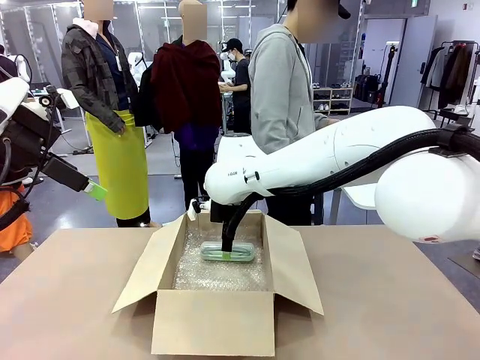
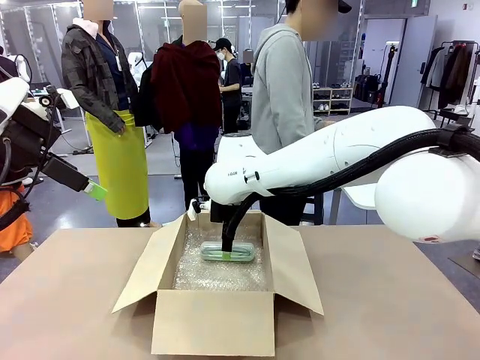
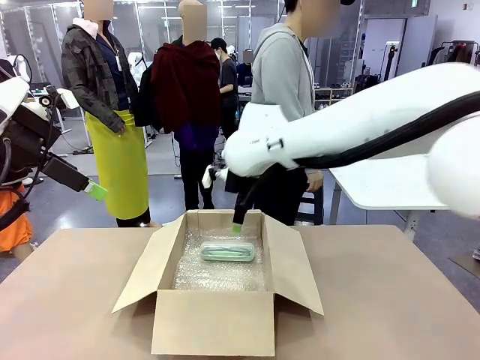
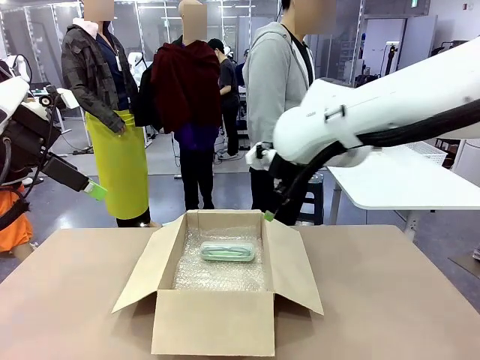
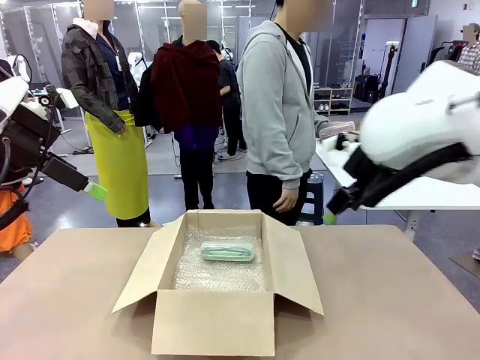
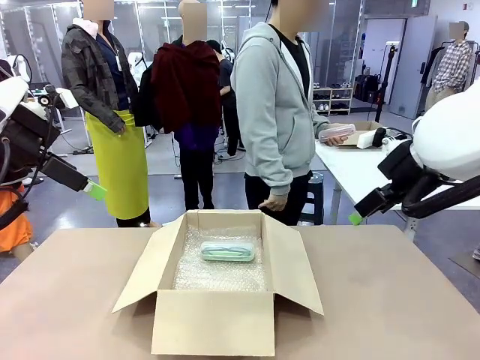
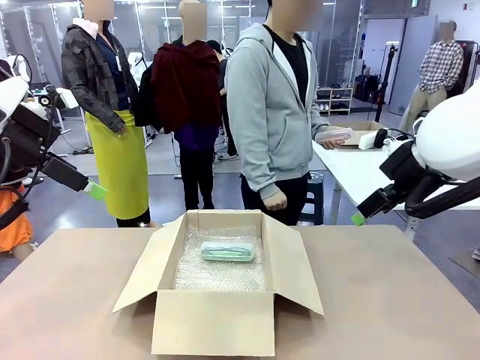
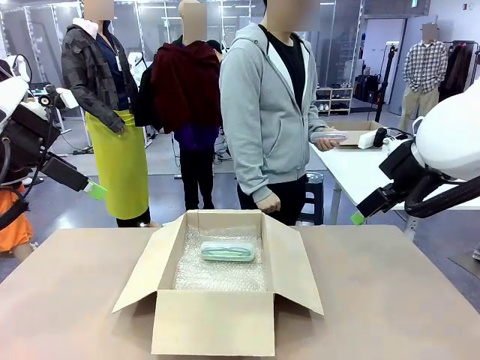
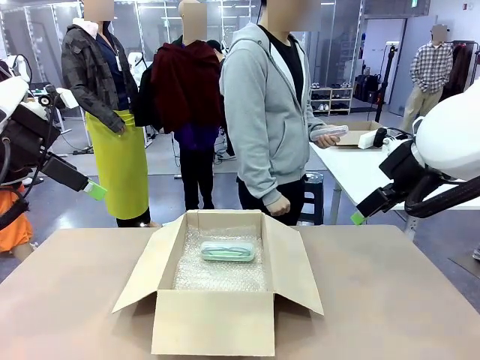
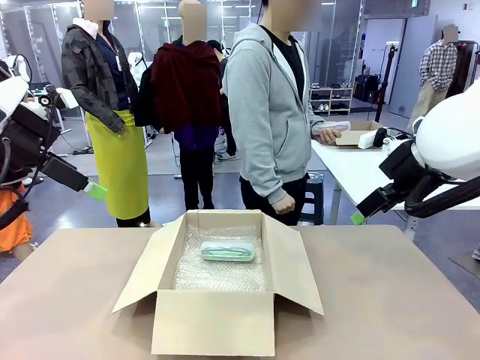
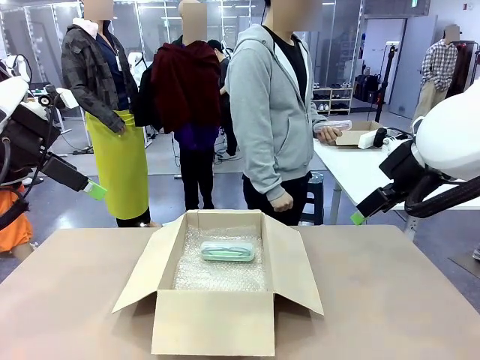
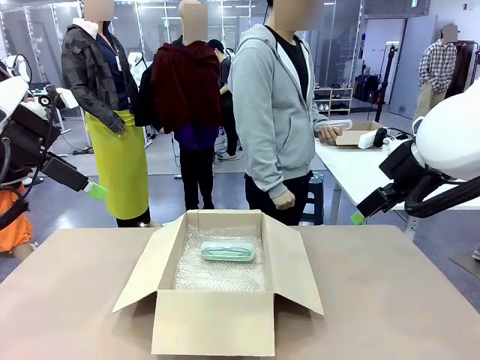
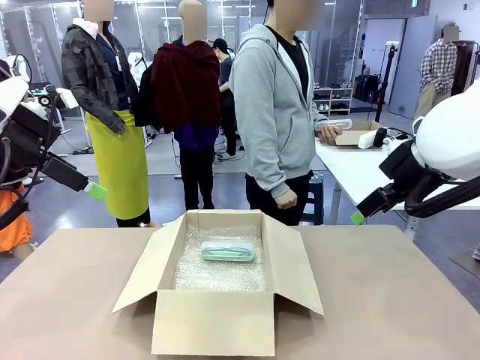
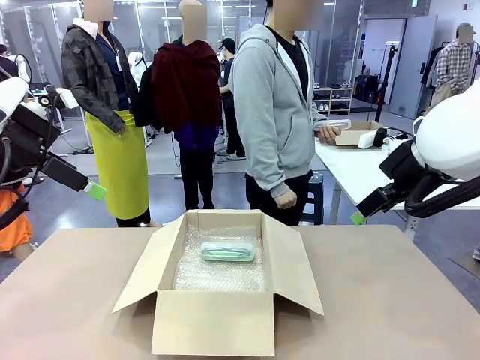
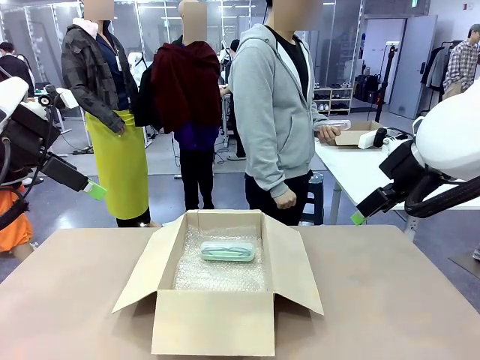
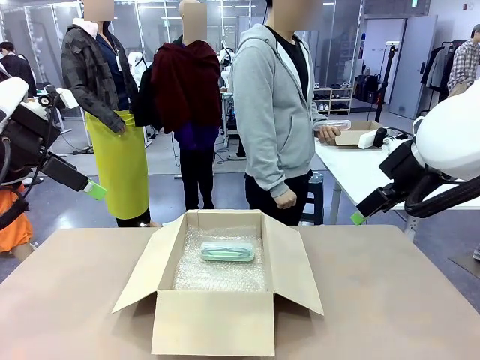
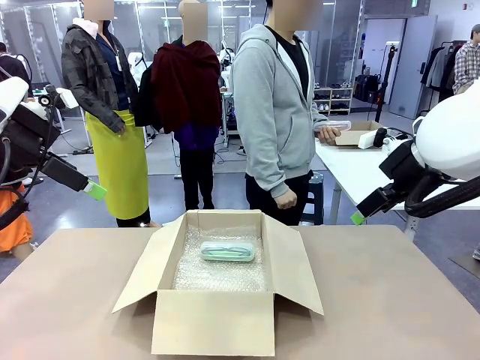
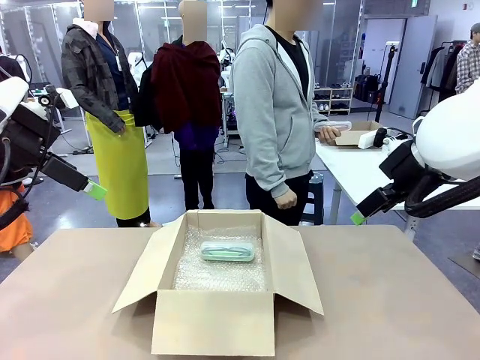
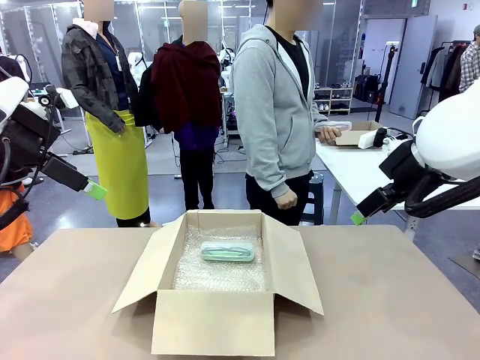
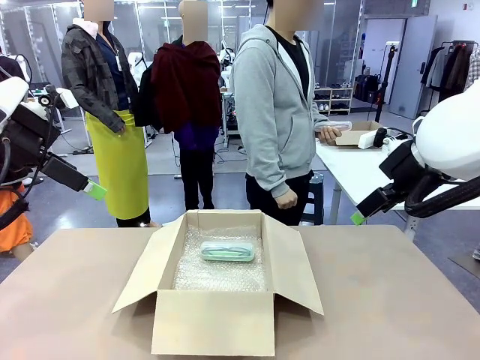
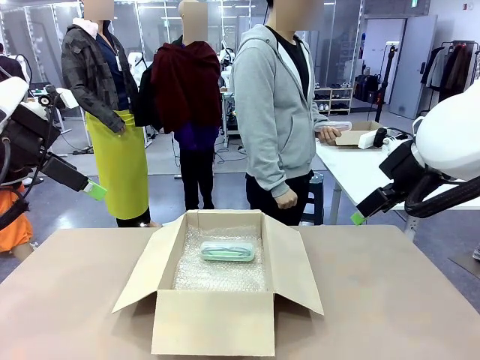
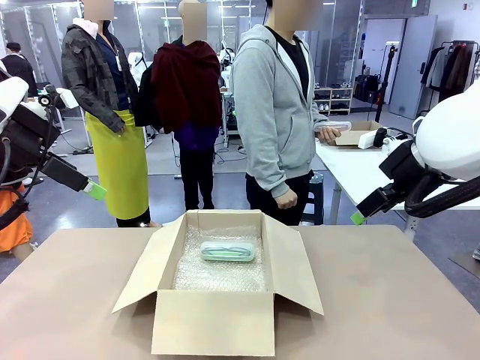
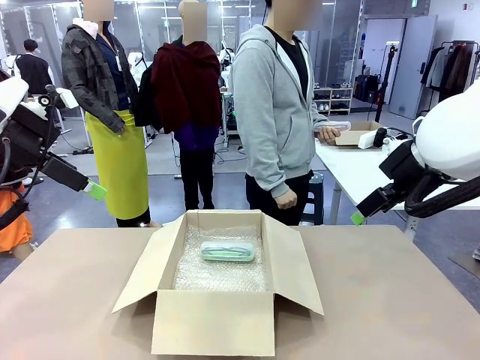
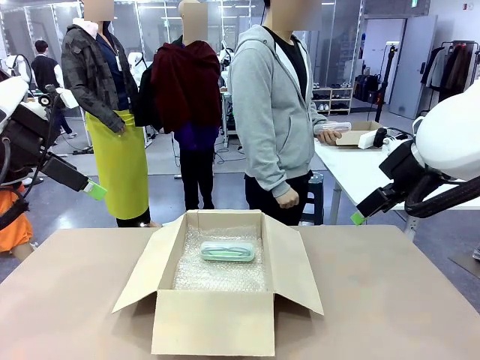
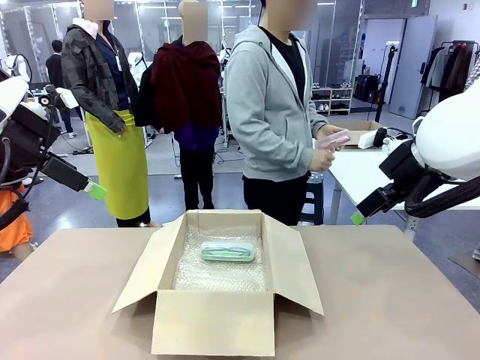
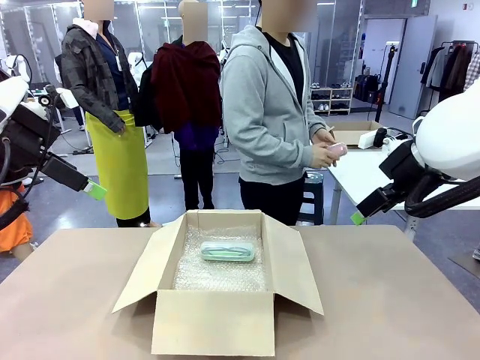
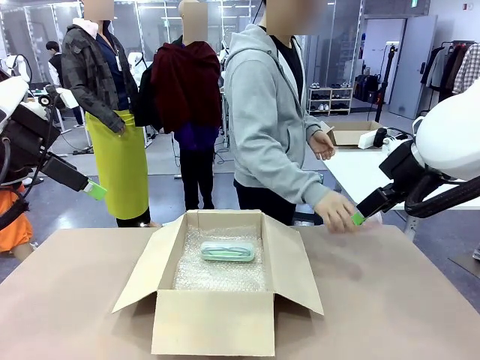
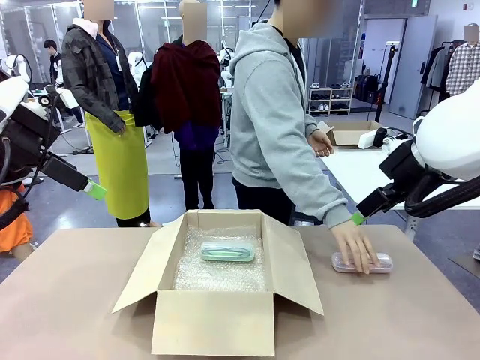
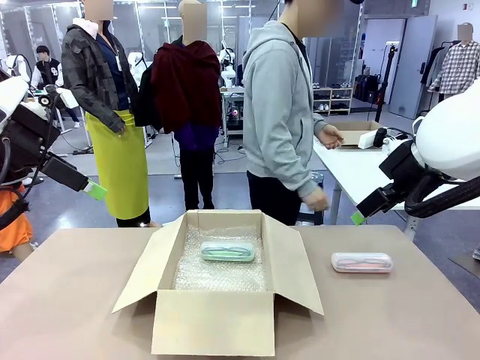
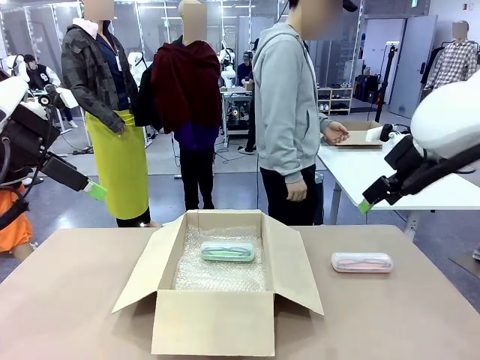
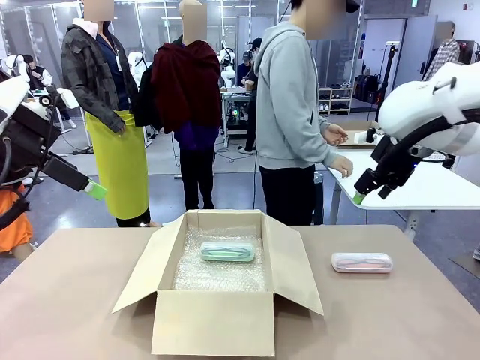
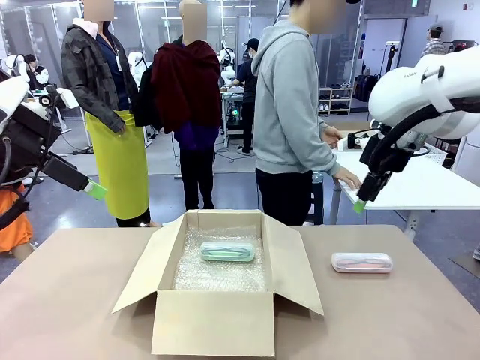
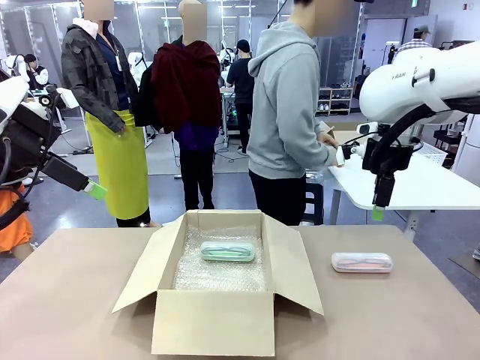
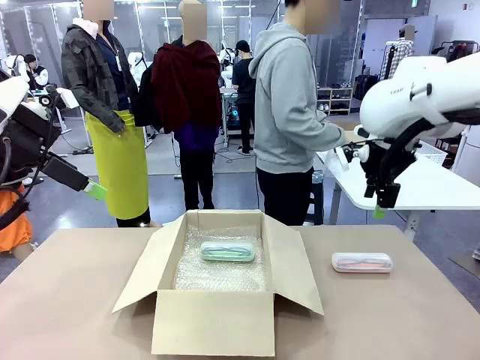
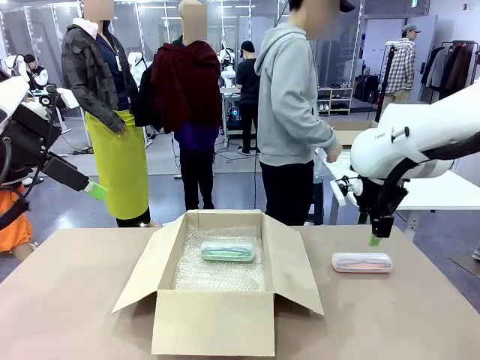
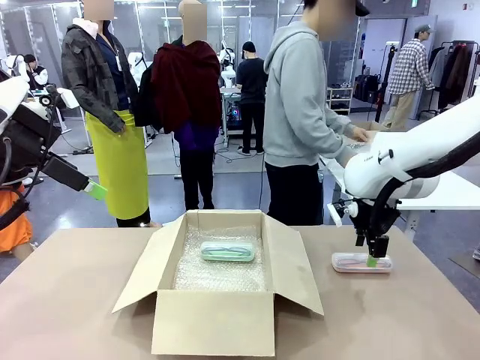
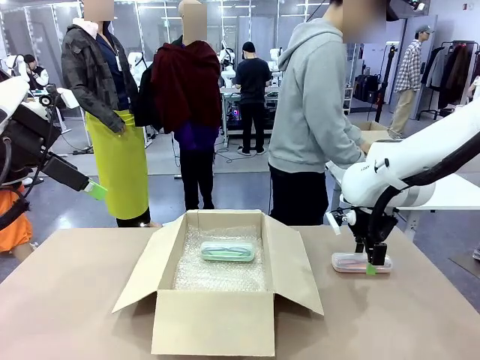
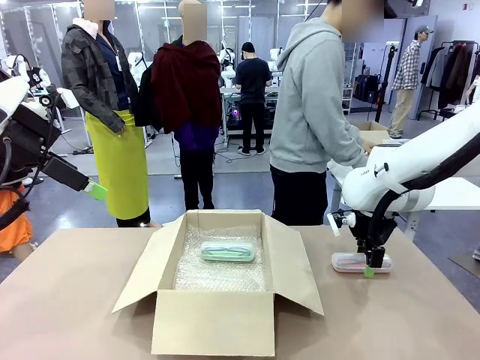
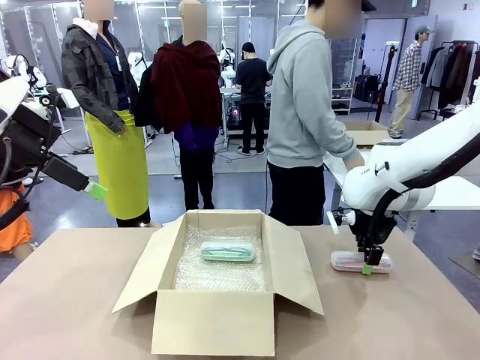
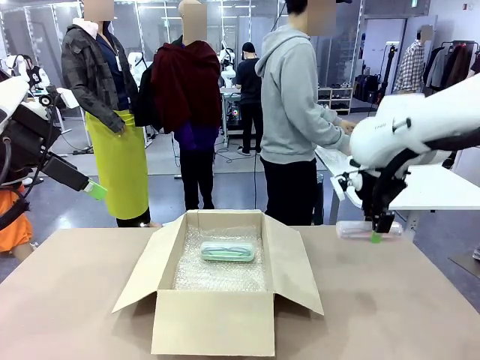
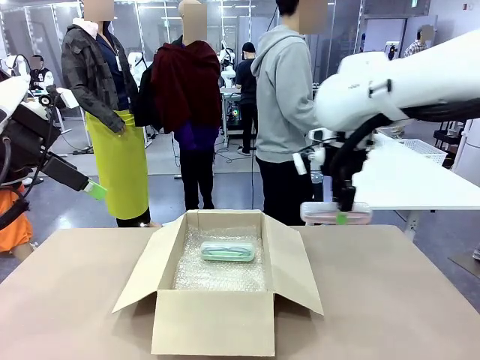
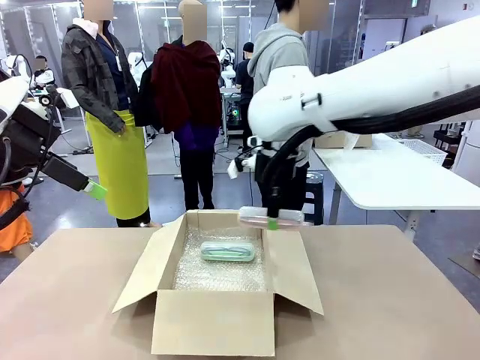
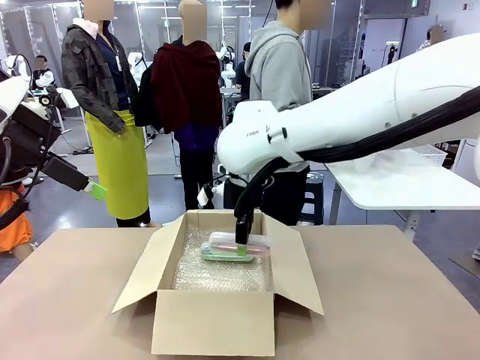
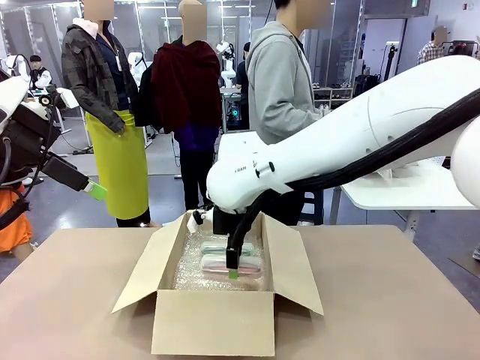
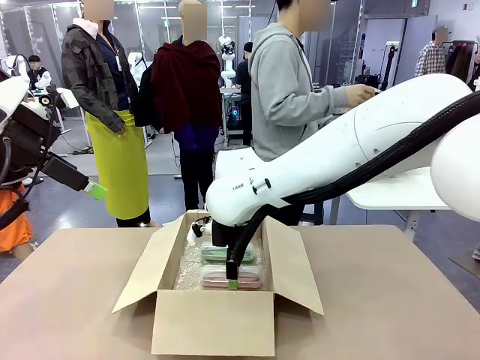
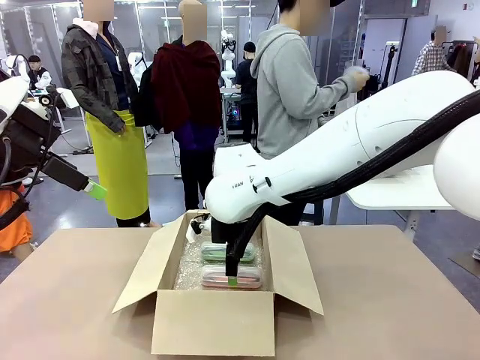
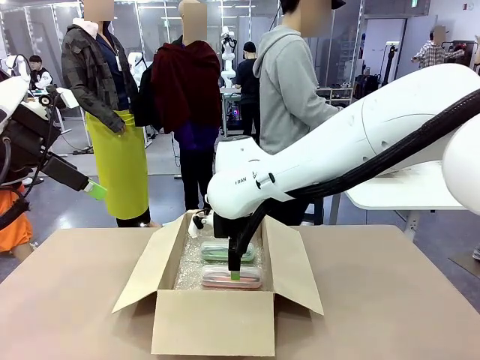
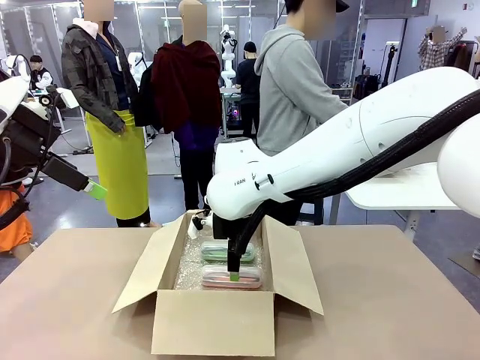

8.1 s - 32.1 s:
Task: Pack the glasses set securely to prepare it for shipping.
Robot: Put the Glasses case from the right side of the table into the Package Box.
Person: Position the Glasses case on the left side of the robot's table.
